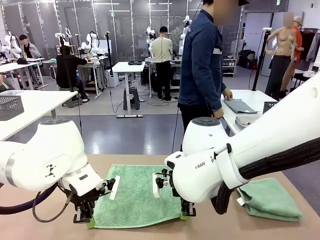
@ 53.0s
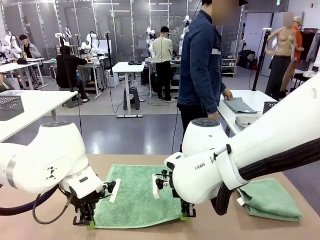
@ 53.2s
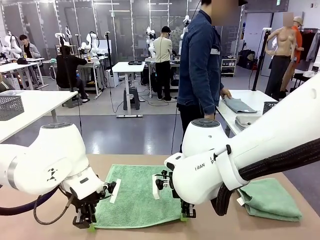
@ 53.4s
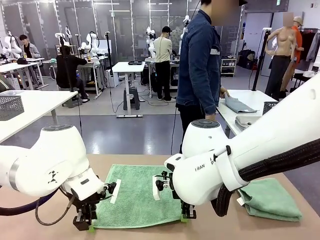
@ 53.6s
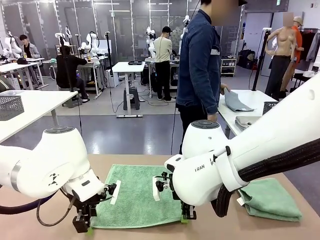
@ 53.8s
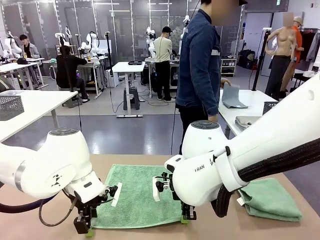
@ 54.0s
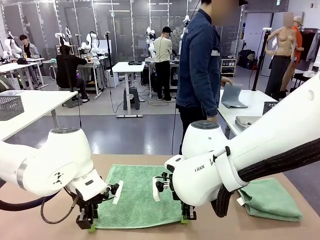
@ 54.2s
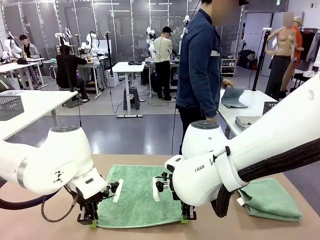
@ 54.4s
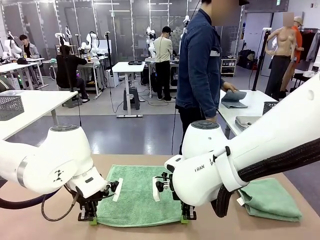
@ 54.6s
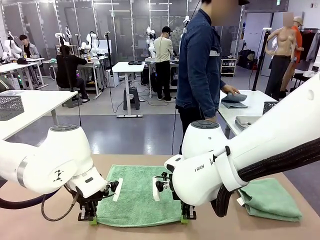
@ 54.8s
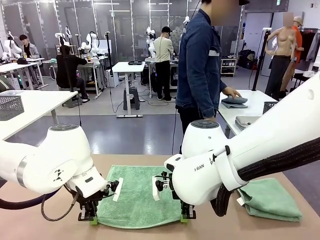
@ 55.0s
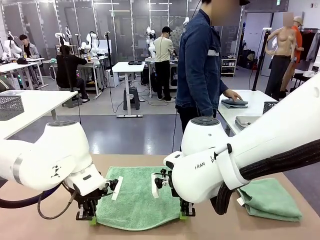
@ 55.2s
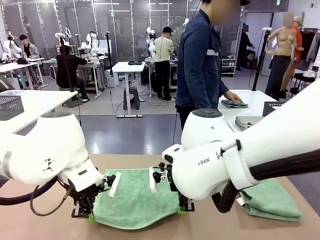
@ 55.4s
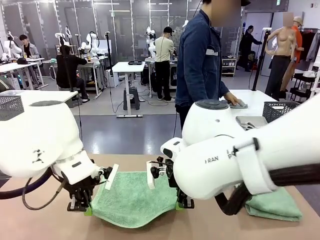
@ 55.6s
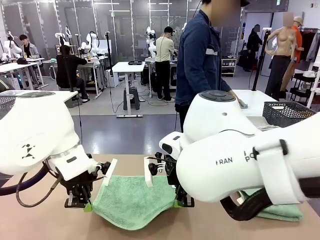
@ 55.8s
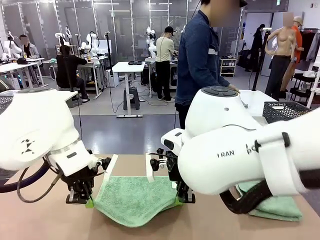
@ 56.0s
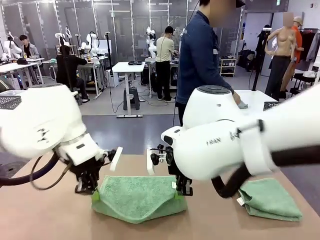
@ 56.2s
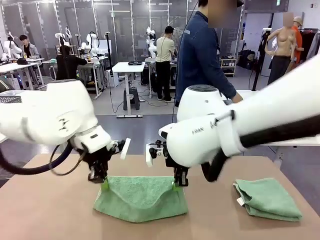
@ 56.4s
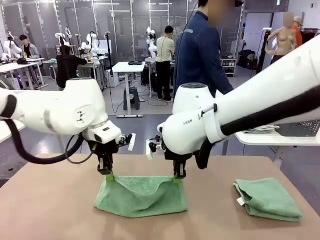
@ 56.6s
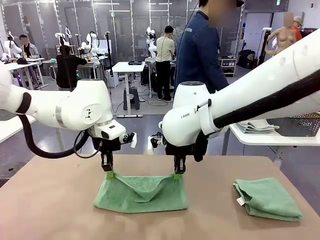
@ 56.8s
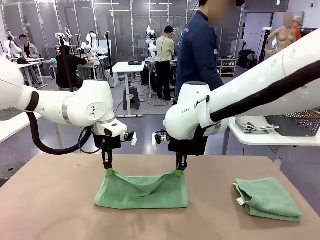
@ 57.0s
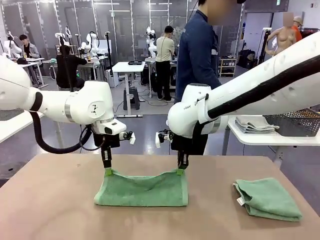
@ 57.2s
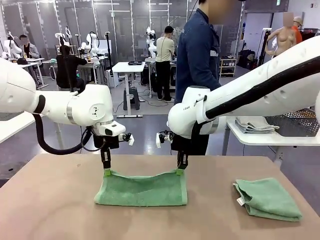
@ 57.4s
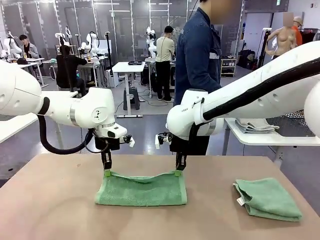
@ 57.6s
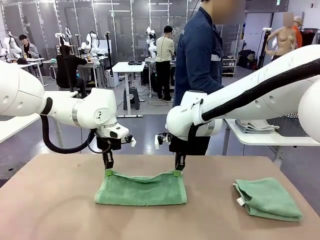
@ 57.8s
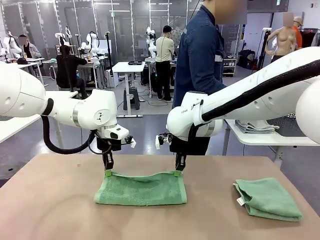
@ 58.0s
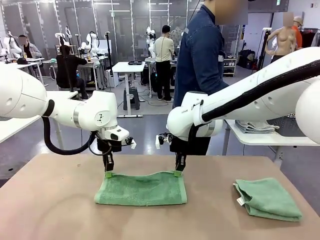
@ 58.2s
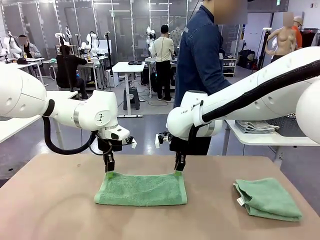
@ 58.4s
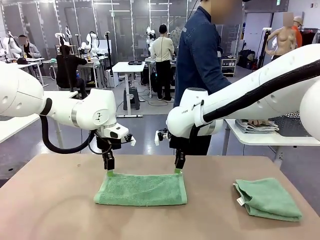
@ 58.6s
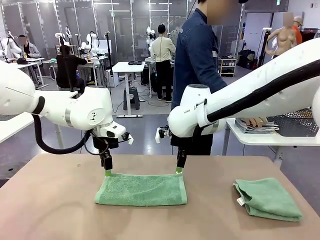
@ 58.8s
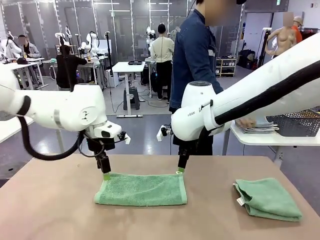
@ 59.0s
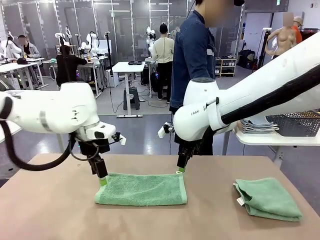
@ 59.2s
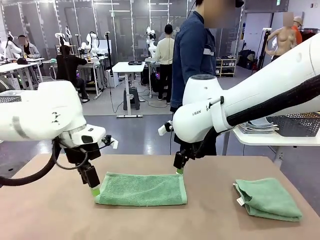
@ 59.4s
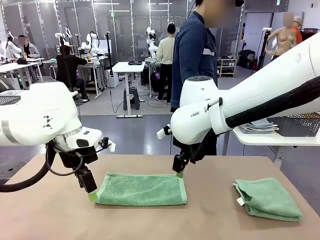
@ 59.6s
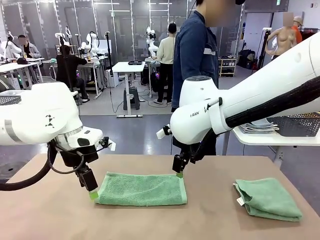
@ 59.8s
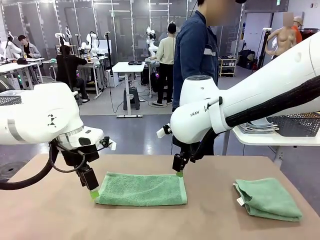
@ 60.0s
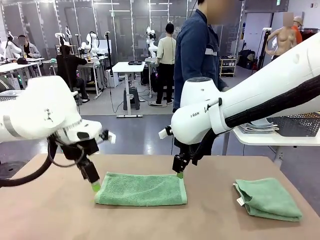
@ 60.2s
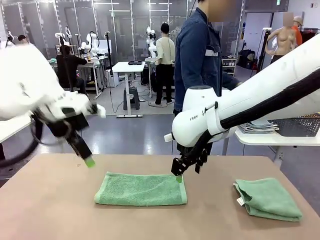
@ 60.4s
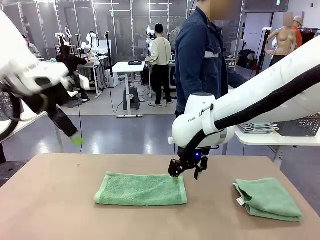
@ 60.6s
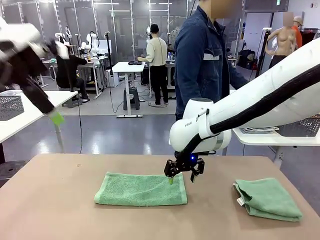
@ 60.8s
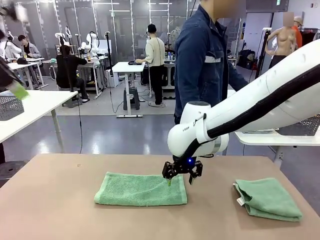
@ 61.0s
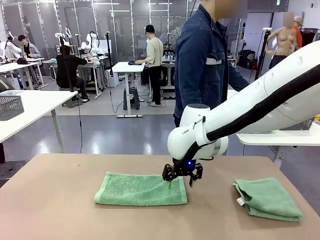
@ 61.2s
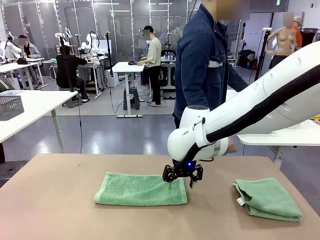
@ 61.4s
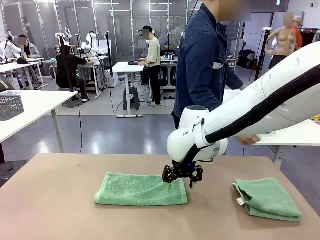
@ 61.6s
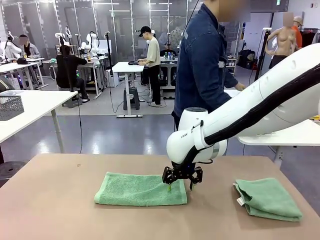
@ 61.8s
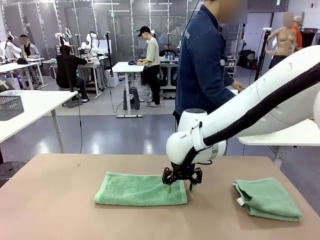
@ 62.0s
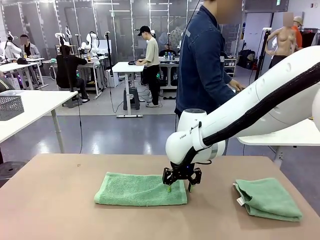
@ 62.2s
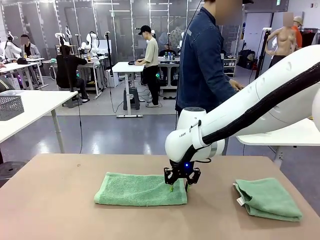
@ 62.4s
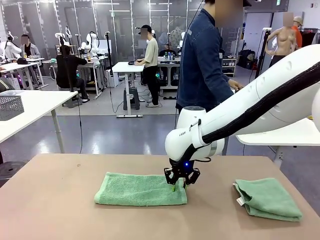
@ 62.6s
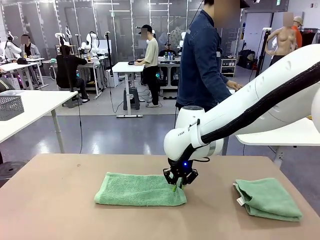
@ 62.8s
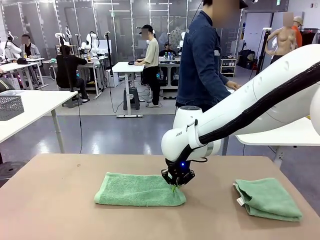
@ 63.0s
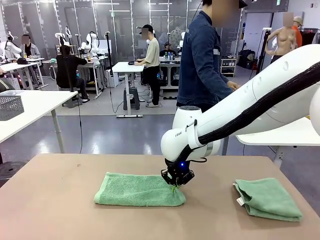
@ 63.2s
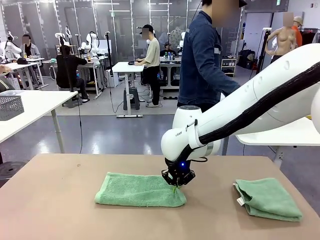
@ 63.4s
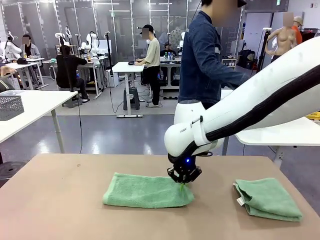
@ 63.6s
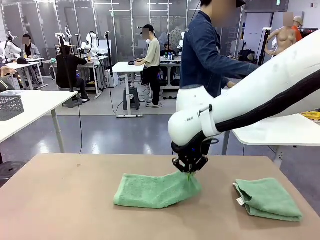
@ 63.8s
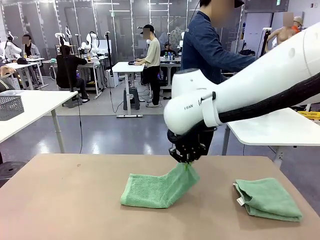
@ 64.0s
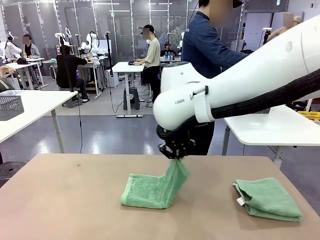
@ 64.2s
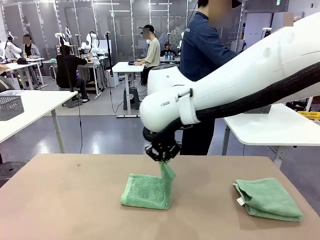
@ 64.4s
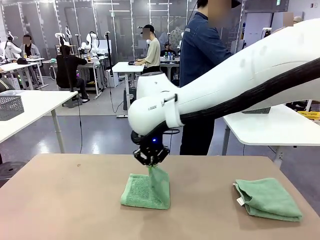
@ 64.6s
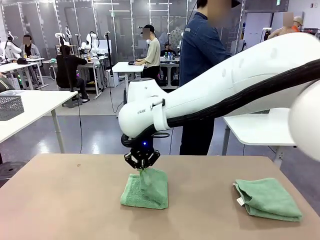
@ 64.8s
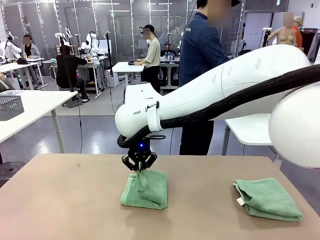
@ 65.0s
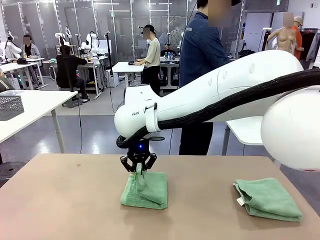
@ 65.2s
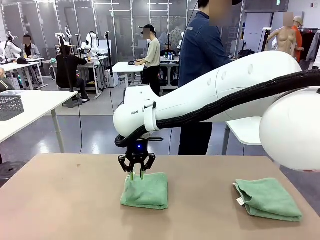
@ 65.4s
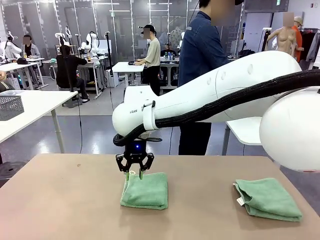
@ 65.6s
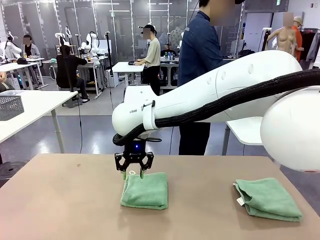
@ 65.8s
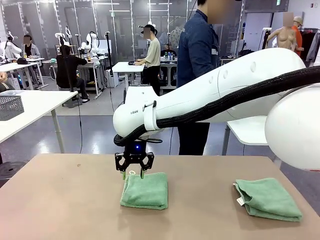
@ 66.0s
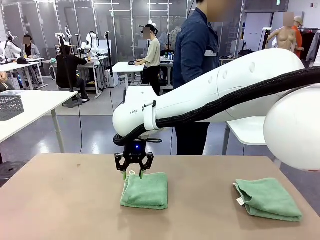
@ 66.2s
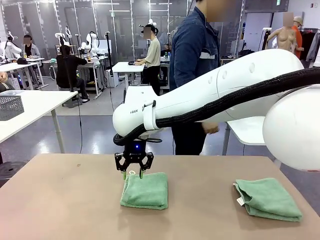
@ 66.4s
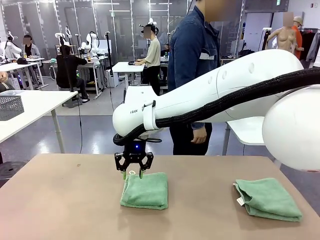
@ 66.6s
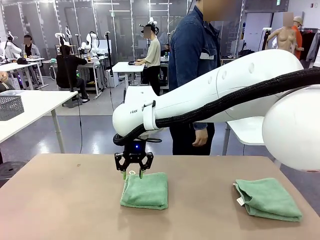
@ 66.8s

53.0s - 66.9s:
Task: Fold the towels and place them in the basket.
Robot: When a person lays out a Towel with hook on the table, fold it in half twice.
Person: Pick up the stack of towels from the right side of the human table, place it into the basket, and put the basket at the center of the table.
